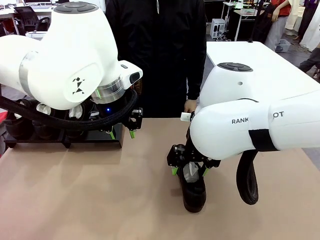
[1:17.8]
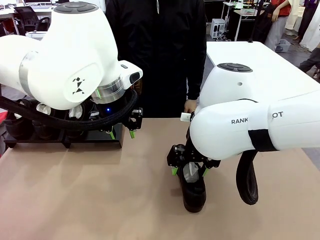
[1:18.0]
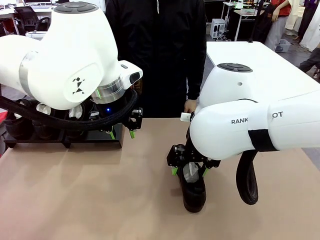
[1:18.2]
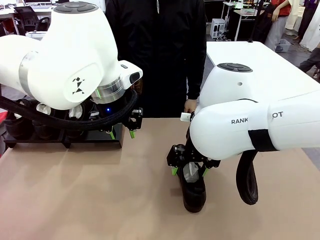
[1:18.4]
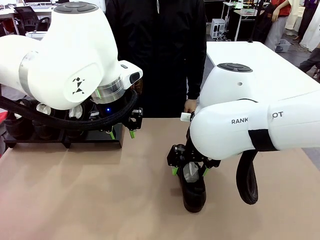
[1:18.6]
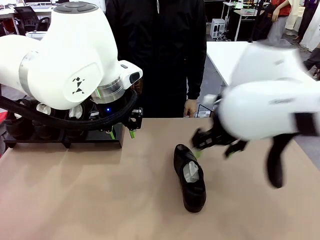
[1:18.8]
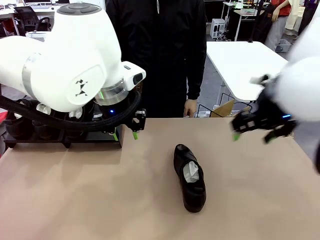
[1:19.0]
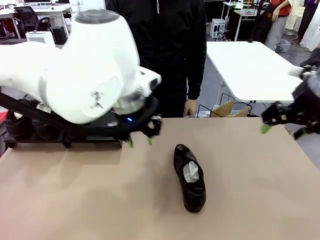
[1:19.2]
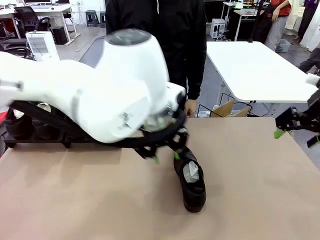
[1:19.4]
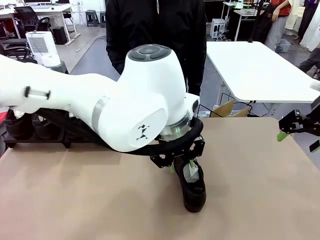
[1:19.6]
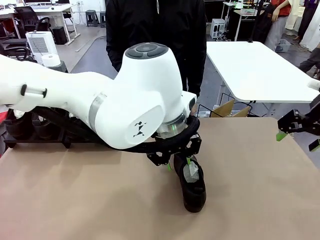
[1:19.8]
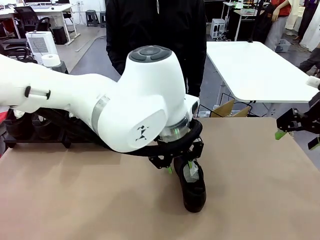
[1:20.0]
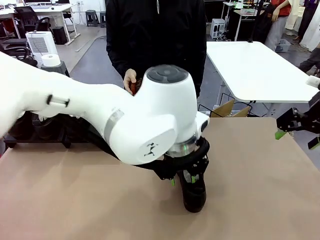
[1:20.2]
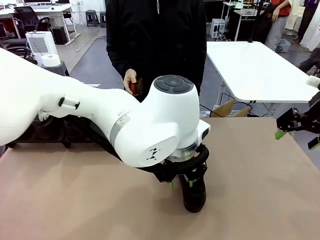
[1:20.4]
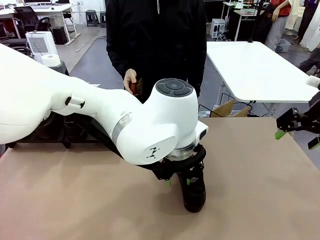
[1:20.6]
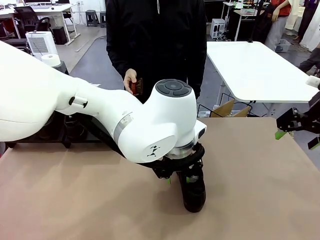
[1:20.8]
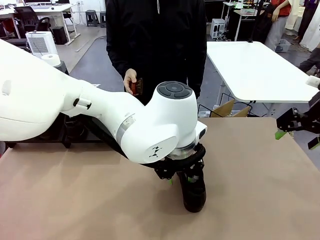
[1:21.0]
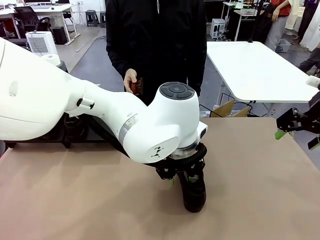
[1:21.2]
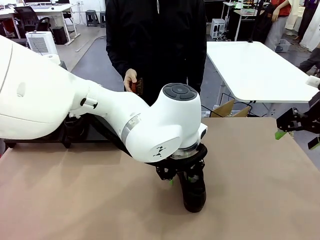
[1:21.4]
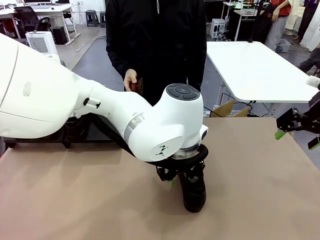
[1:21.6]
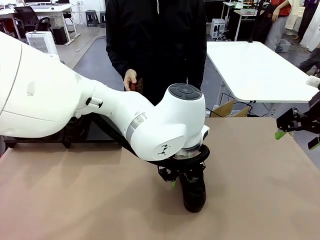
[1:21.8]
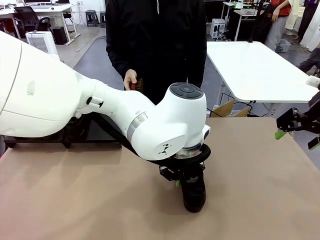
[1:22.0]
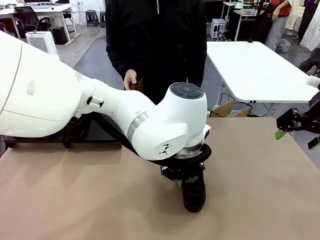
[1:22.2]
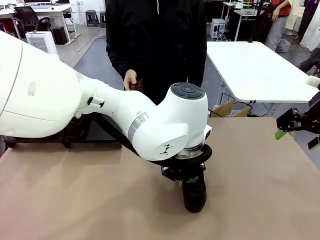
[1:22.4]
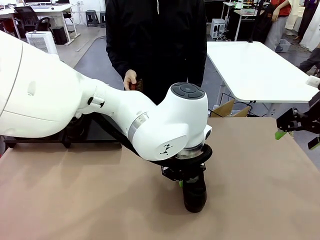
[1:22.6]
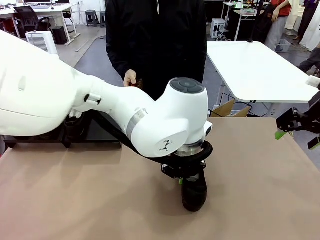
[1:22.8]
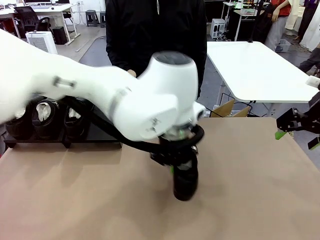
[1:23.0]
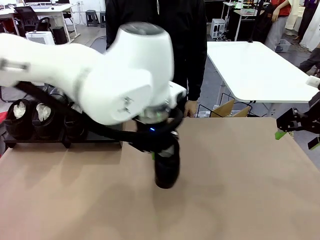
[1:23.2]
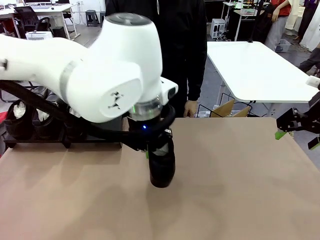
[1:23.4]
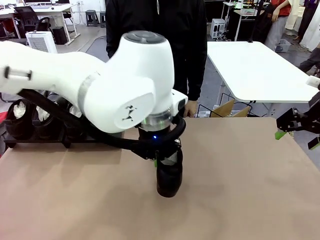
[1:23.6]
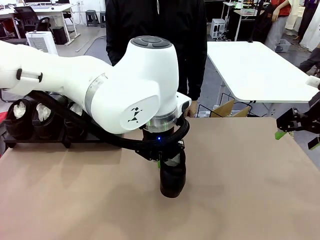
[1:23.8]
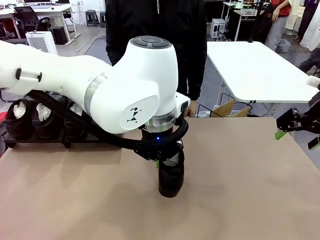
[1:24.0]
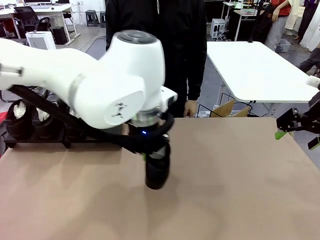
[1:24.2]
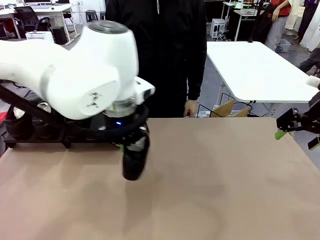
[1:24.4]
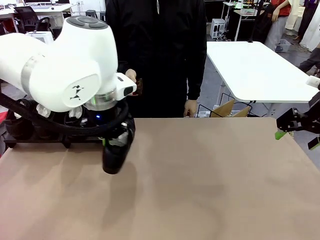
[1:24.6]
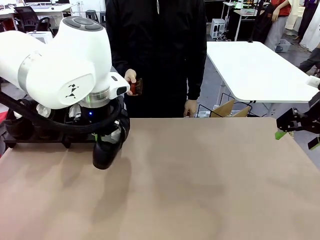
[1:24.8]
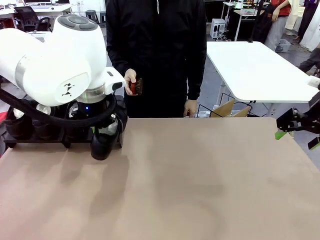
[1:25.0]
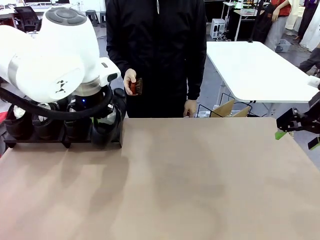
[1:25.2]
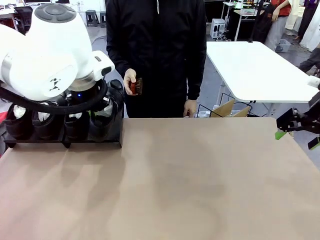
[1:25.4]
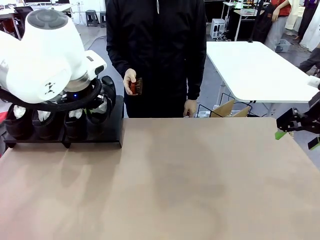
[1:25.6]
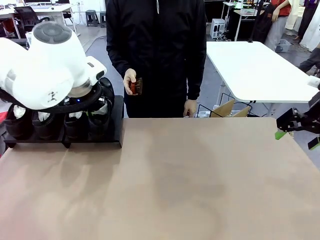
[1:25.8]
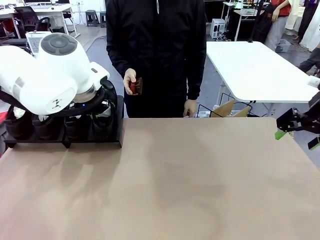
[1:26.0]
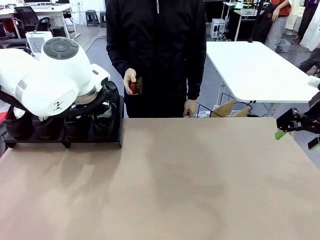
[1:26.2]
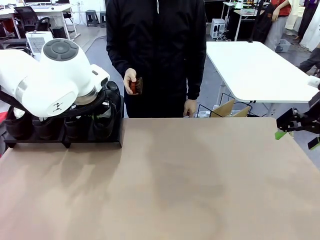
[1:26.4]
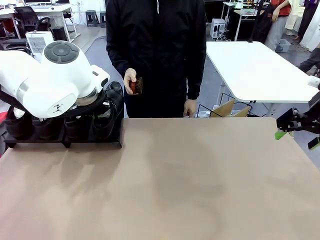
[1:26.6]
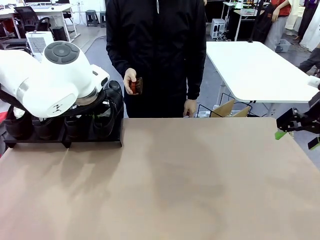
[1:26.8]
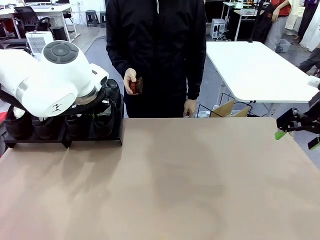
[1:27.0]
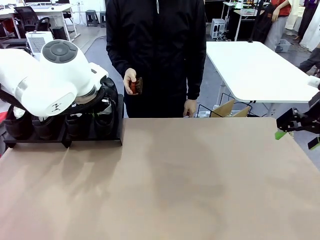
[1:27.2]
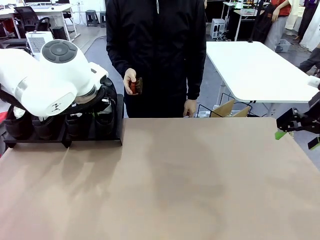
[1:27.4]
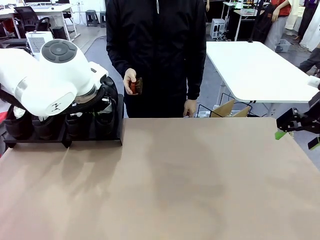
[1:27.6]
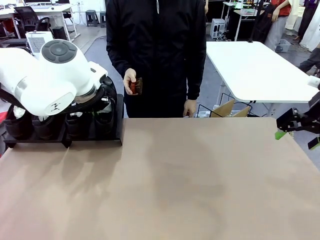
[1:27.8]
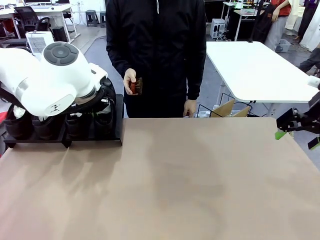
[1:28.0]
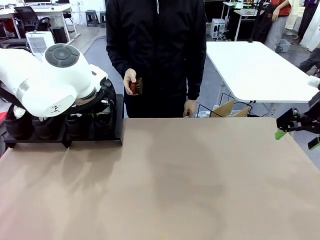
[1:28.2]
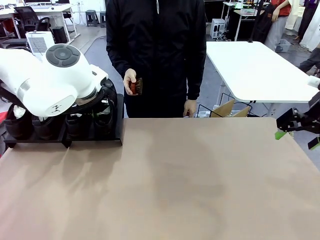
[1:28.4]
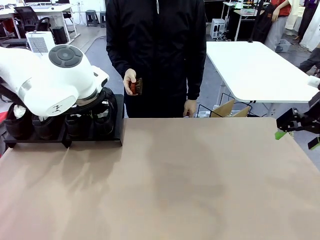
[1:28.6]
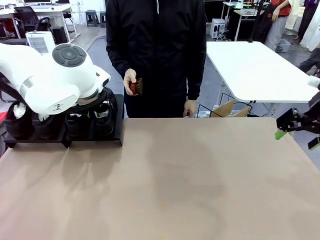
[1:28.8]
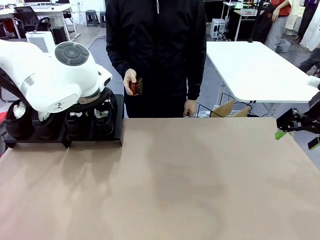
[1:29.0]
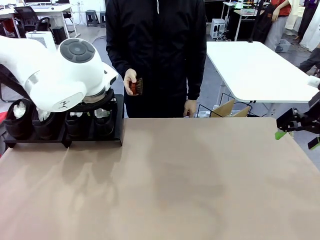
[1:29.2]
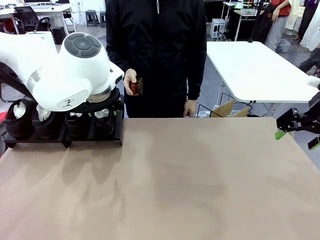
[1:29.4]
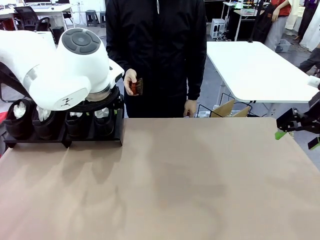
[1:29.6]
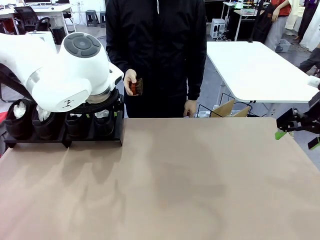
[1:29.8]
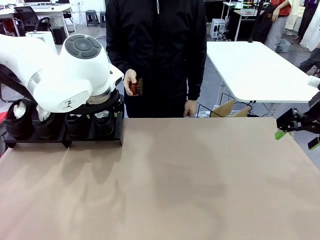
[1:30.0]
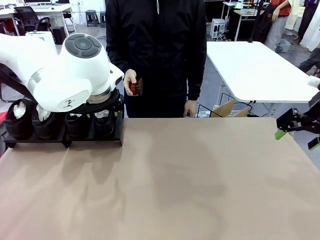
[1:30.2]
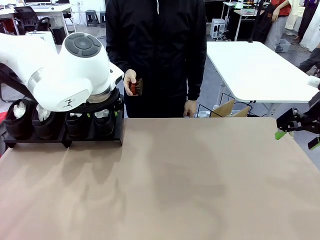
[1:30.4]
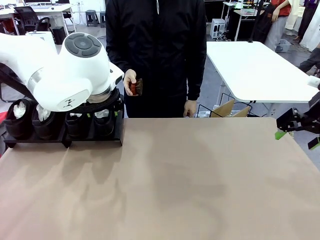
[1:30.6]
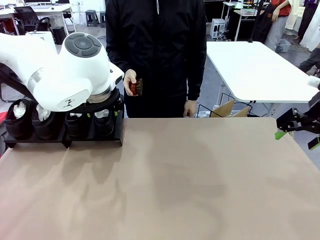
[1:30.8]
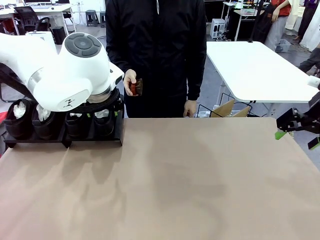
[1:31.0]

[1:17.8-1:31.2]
Task: Organize the shoes by placing them on the stand.
Robot: Place the Shoe from the middle of the table onto the Shoes Stand.

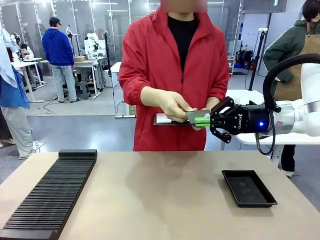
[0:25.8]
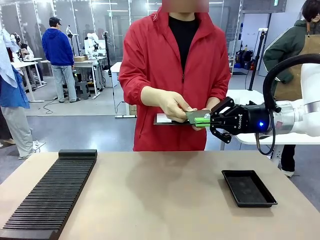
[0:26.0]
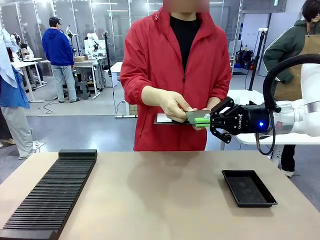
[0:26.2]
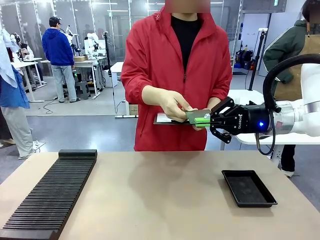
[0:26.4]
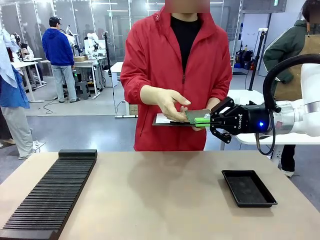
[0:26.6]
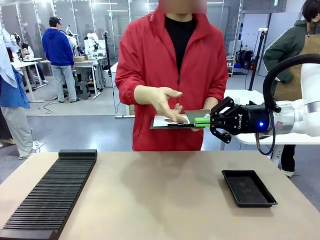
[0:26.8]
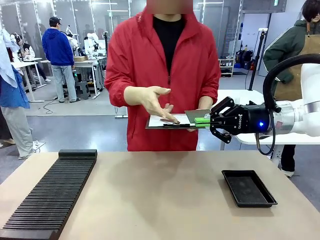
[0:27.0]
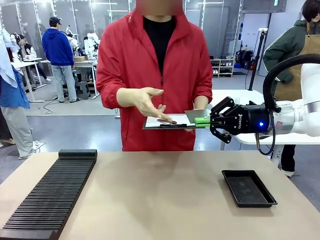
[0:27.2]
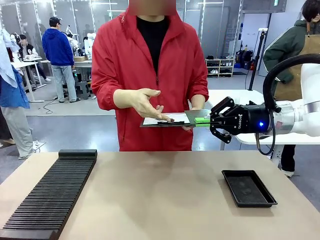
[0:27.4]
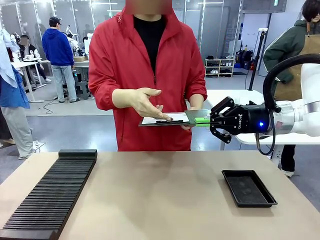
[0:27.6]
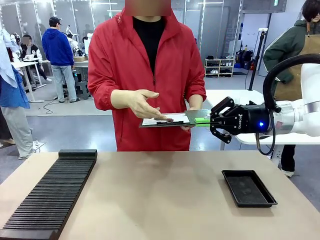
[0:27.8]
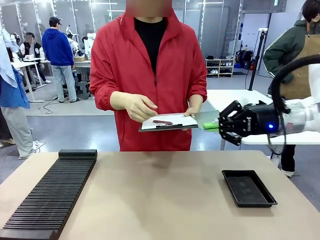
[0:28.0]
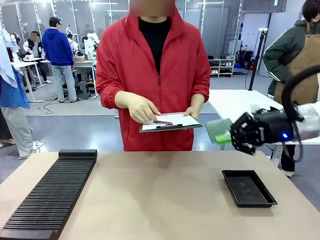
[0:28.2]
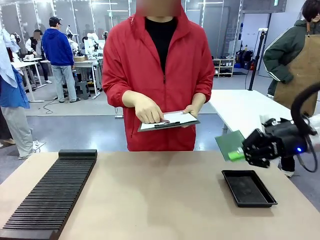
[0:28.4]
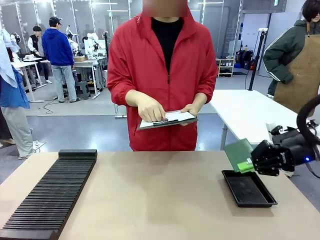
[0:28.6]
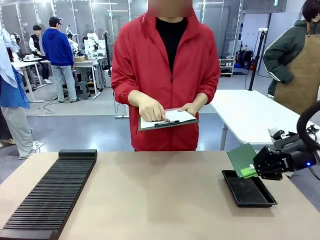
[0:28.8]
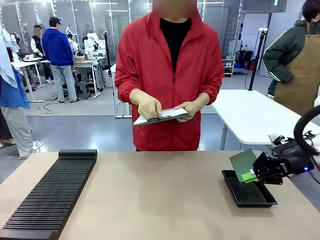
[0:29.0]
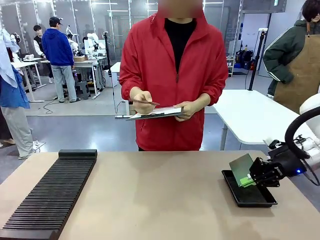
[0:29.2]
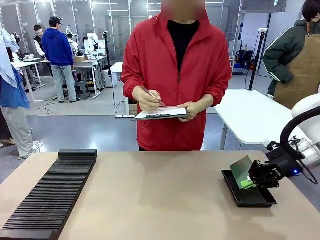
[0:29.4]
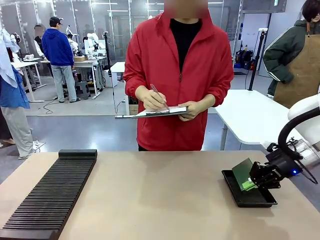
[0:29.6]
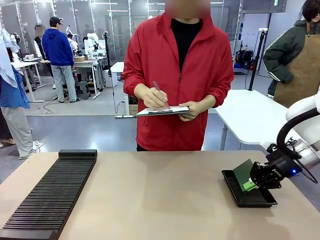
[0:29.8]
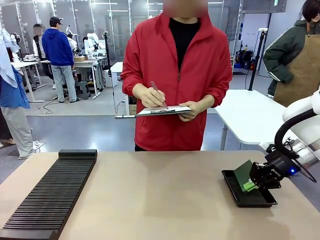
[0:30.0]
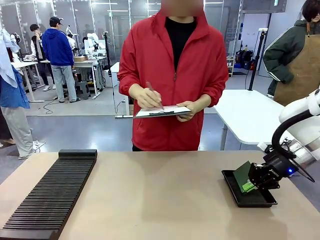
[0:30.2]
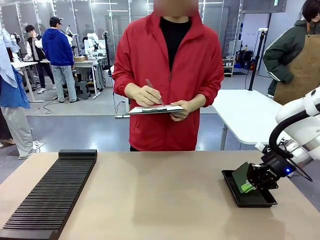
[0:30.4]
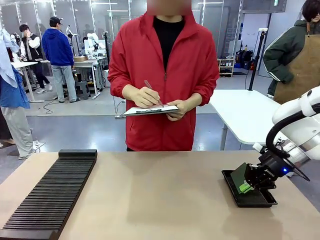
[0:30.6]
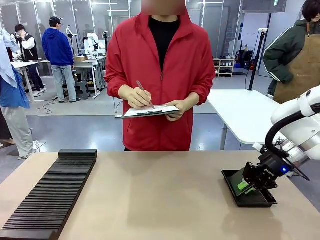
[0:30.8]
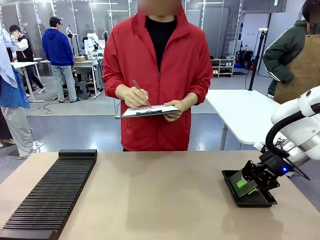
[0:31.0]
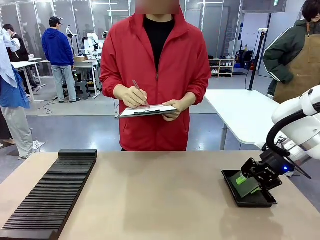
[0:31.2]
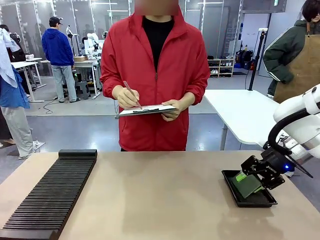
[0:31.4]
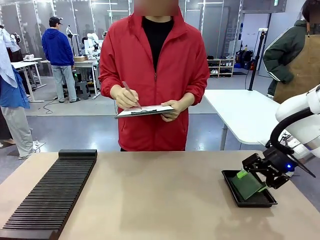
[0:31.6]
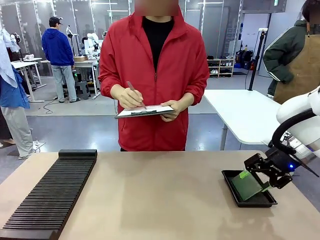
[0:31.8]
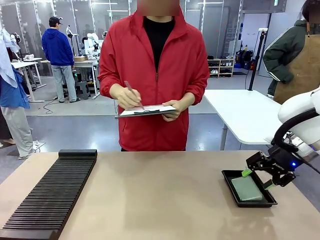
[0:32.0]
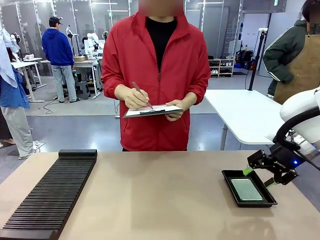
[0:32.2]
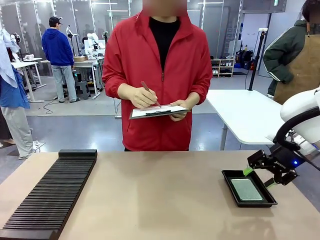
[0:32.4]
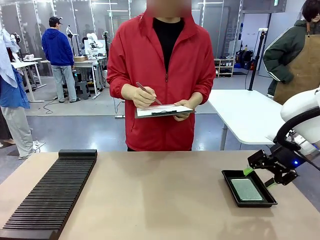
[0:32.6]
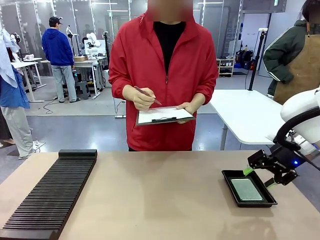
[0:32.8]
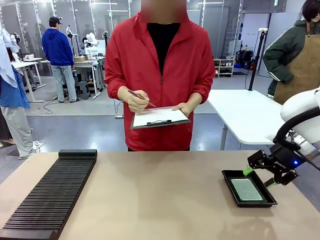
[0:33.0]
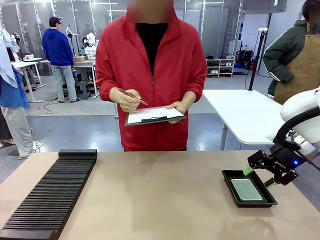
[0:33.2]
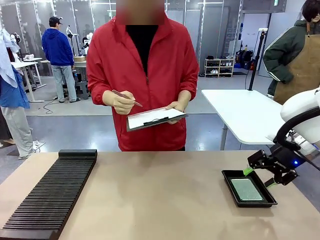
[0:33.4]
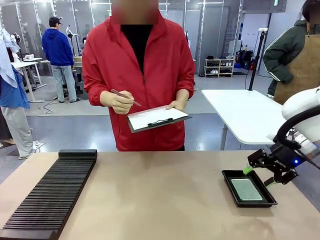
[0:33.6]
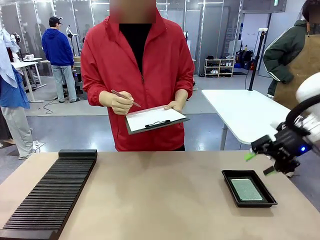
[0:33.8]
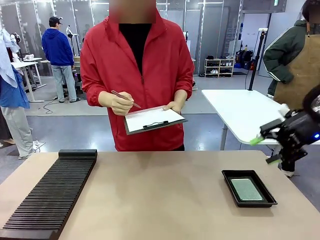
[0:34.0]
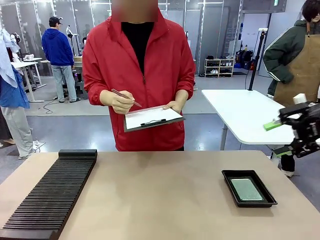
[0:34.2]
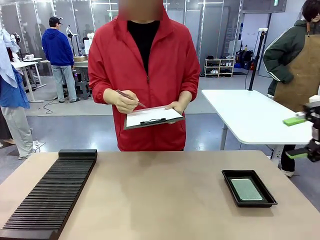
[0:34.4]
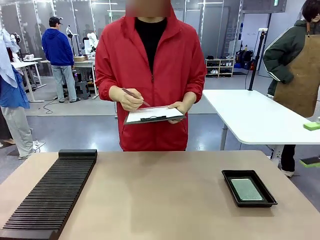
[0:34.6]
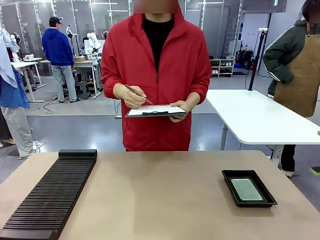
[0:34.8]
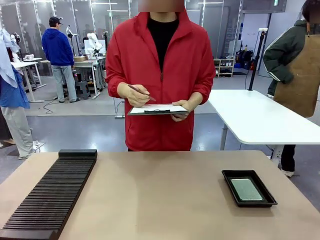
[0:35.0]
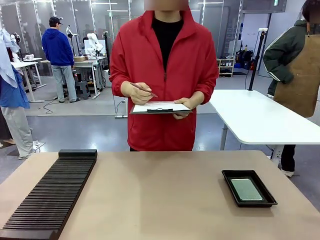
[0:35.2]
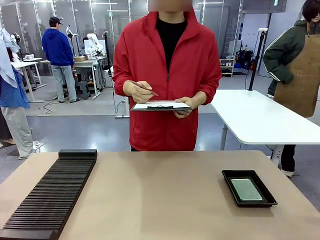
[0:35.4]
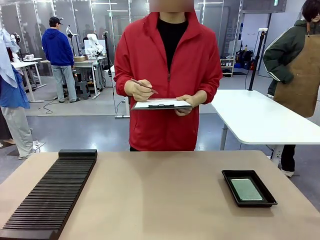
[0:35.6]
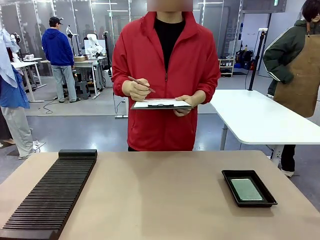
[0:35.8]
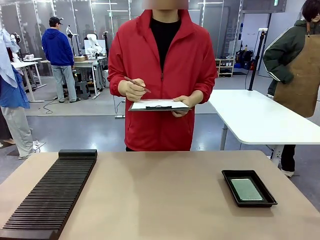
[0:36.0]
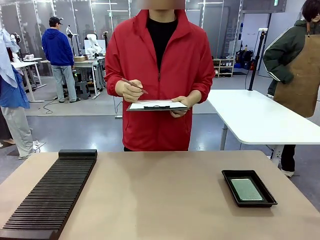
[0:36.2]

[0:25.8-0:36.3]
Task: Inspect the PCB.
Robot: Place the Blank PCB in the ESD tray.
Person: Record the PCB status on the paper.
